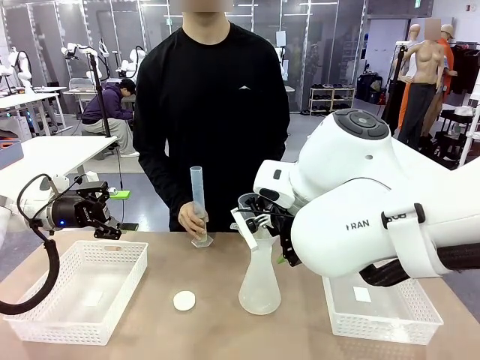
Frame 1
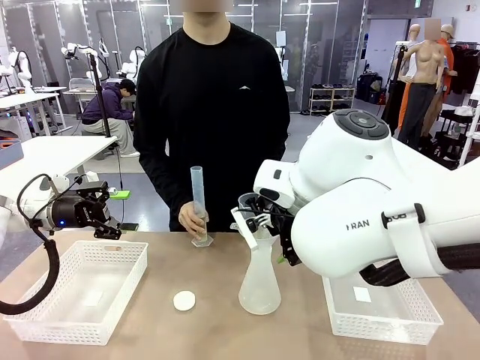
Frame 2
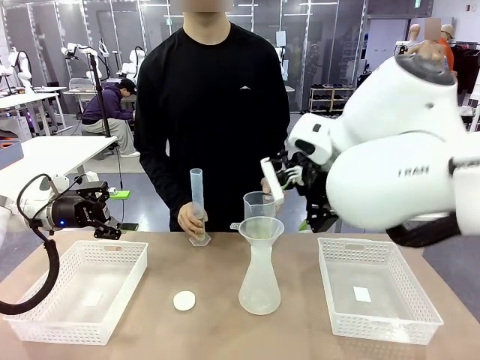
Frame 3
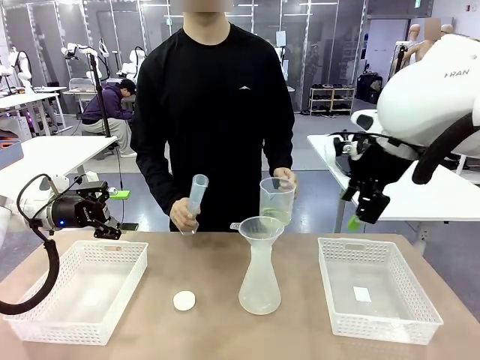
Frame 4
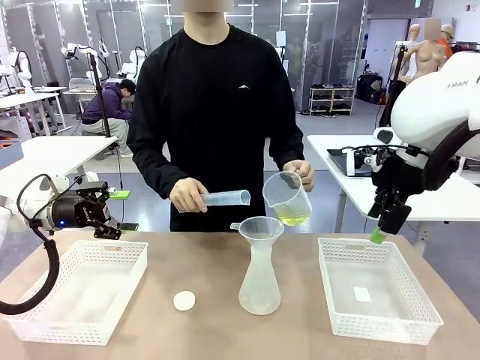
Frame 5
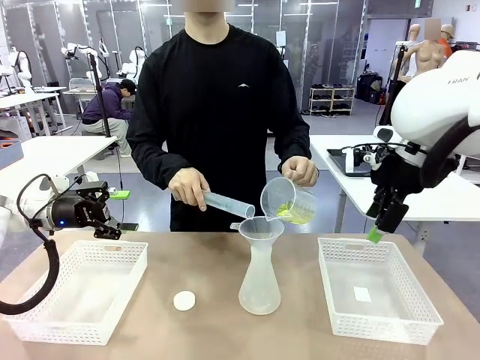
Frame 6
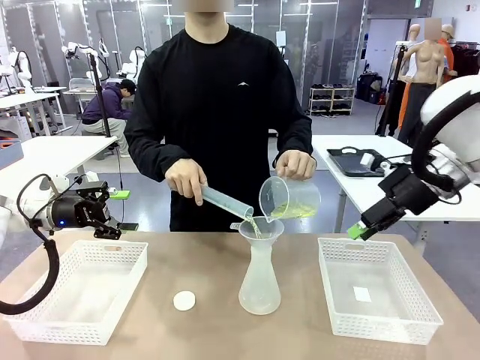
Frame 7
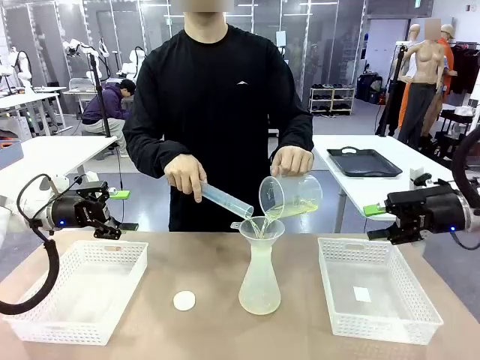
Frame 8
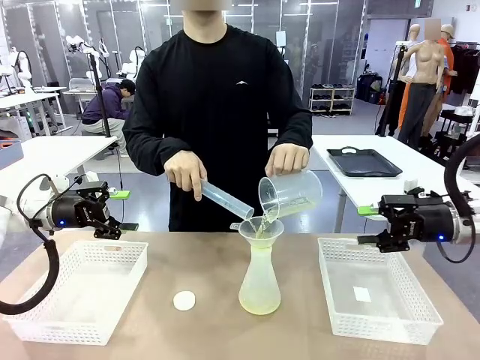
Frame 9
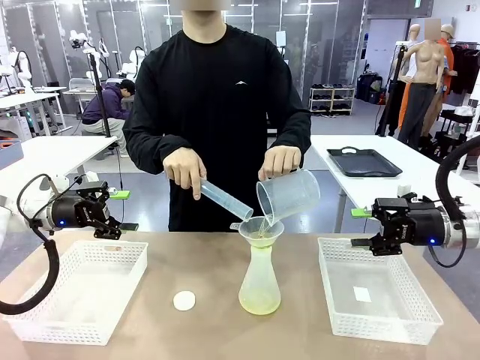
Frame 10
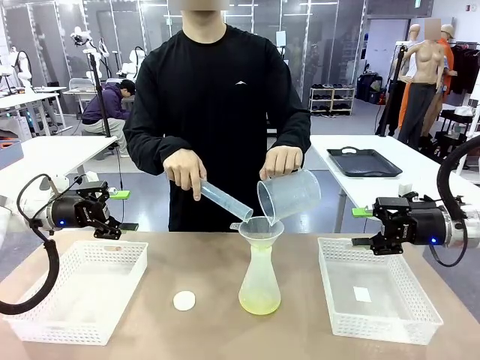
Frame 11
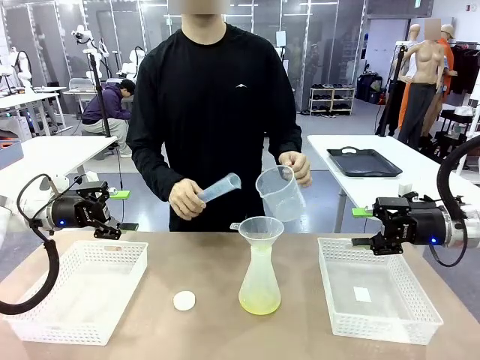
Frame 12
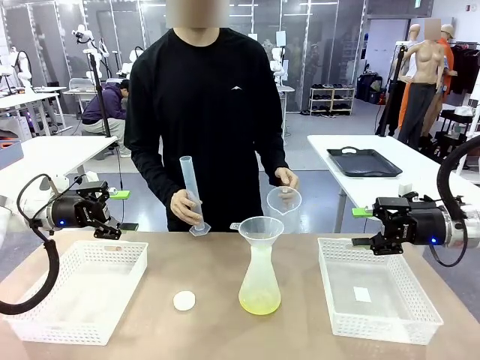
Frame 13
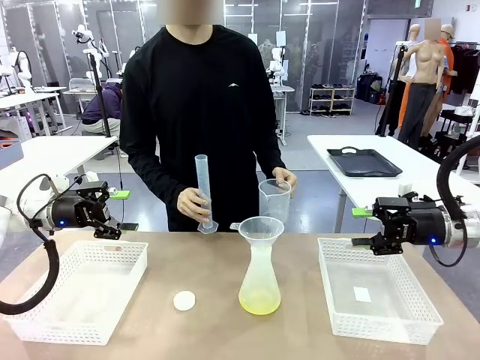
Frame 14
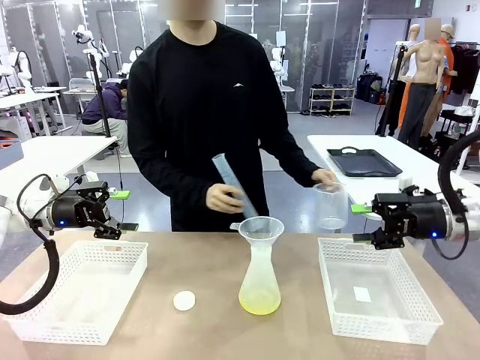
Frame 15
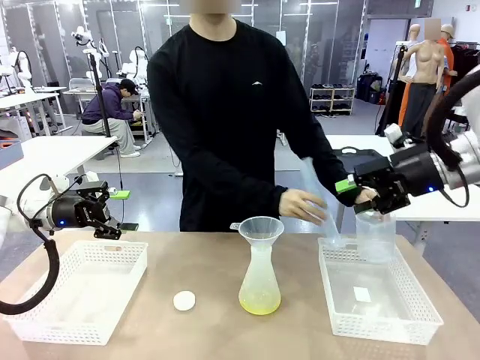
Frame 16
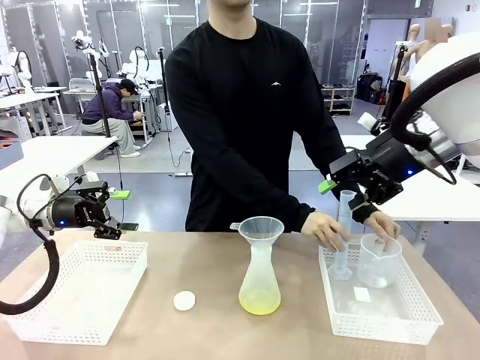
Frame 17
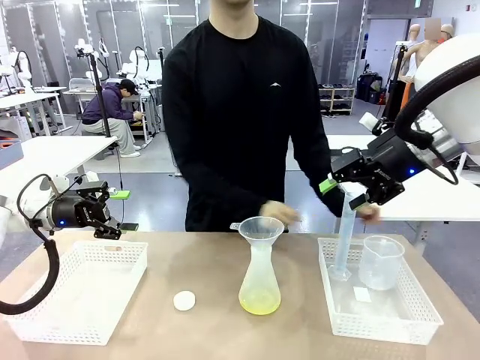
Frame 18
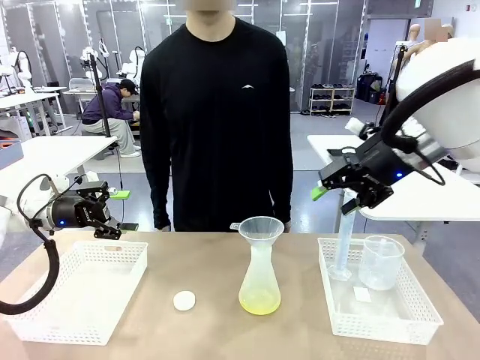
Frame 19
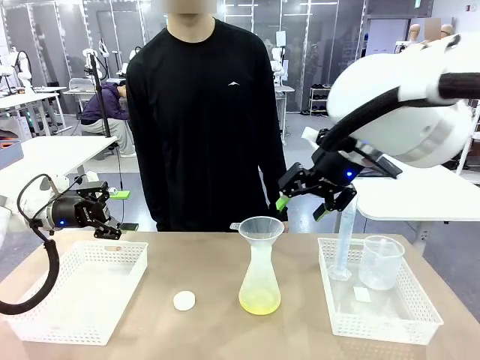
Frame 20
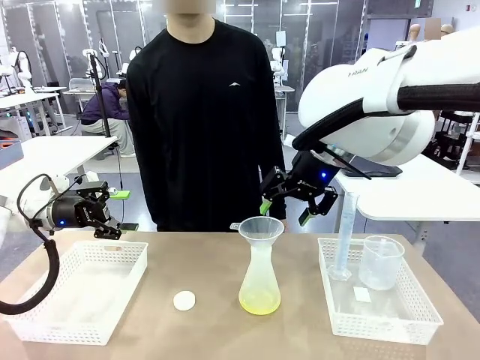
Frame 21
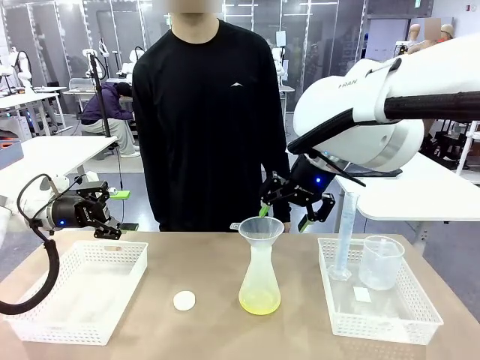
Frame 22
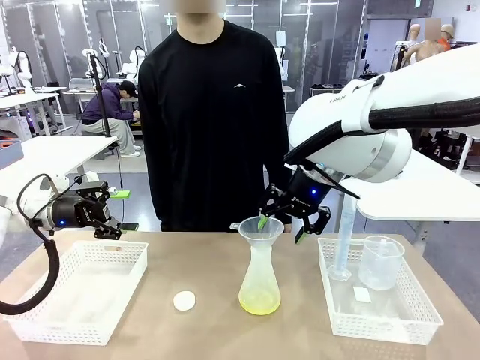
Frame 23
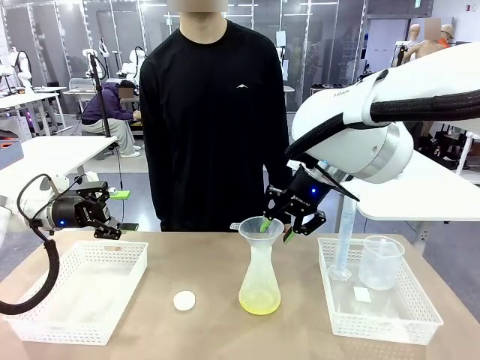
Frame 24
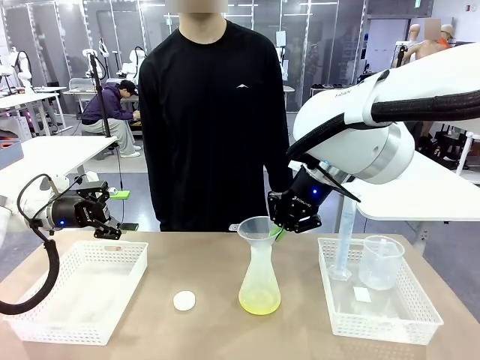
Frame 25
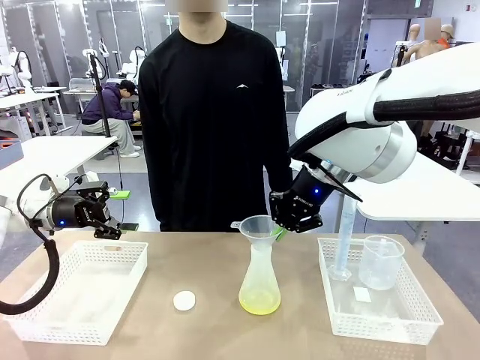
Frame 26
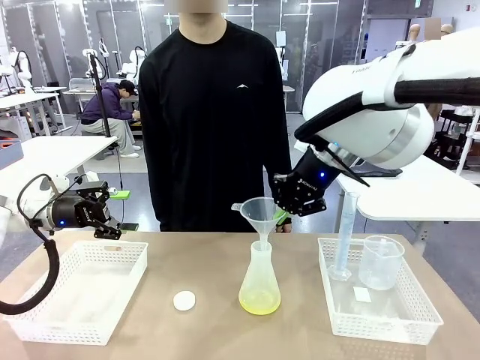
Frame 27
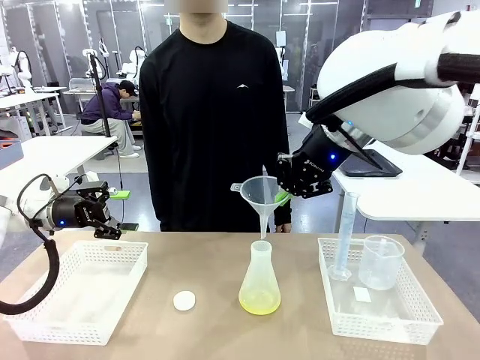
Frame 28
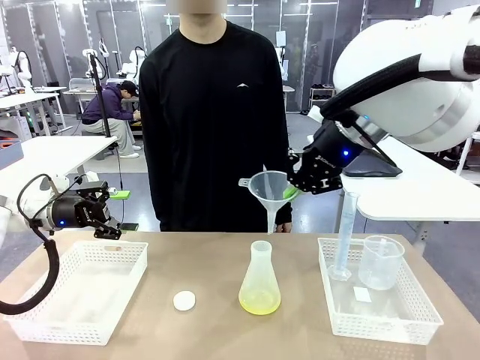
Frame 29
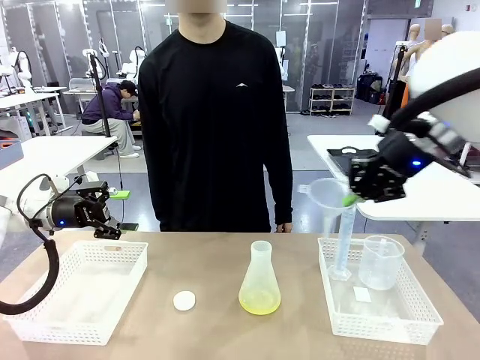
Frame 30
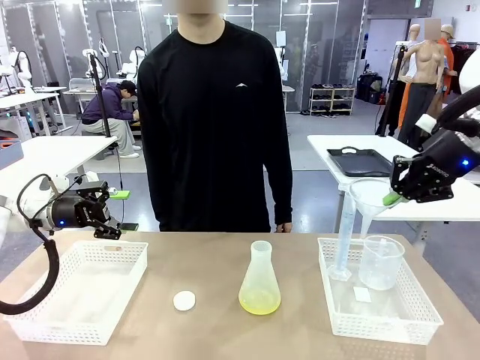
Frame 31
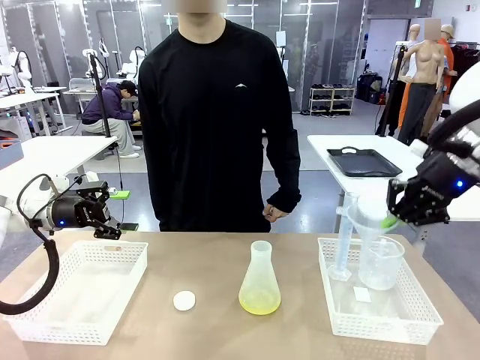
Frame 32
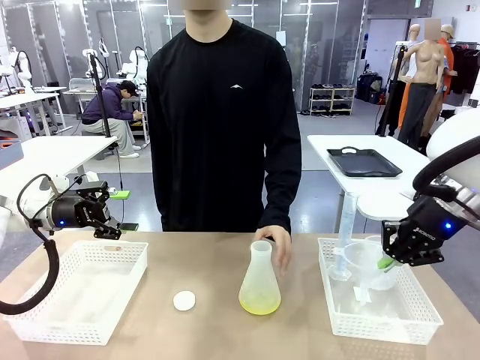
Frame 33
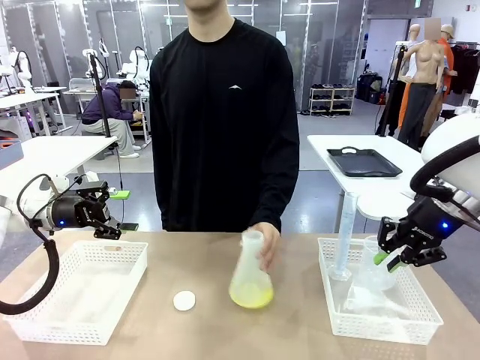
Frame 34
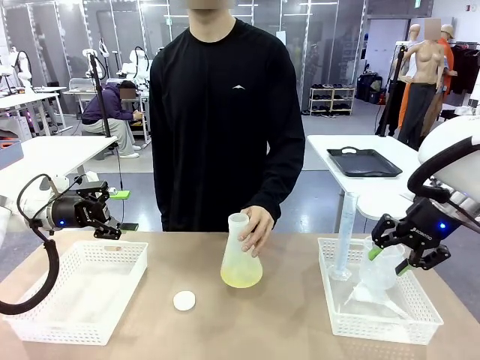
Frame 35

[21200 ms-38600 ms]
Task: Prepare the solutions needed for the experiment.
Robot: Once the solution is in the Big flask , pick up the Plastic Funnel and place it back into the right Organizing basket.
Person: Place the beaker and the cylinder into the organizing basket on the left side. Pick up the flask, gently shake it 2–3 times, place it in the middle of the robot table, and close the lid.
